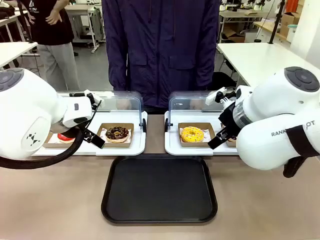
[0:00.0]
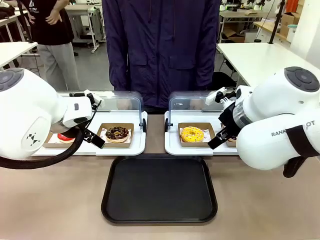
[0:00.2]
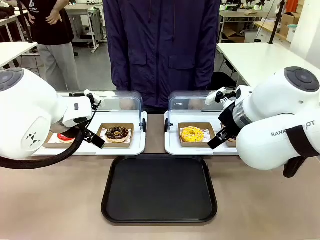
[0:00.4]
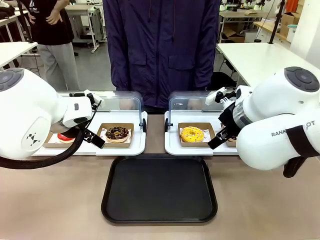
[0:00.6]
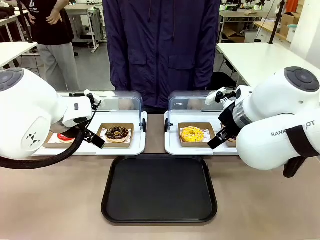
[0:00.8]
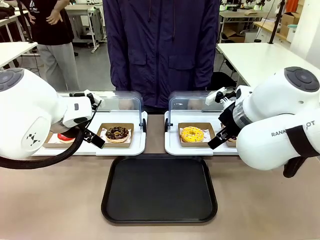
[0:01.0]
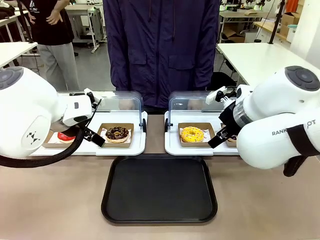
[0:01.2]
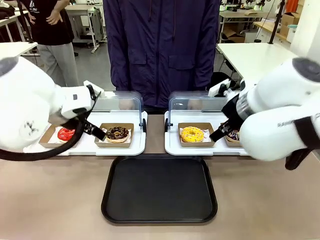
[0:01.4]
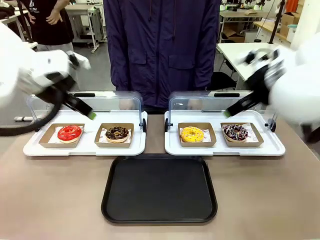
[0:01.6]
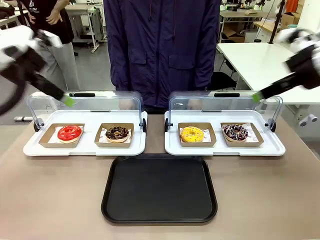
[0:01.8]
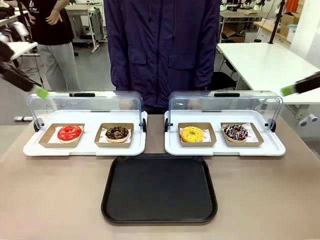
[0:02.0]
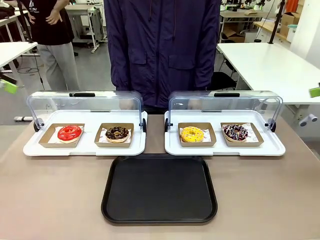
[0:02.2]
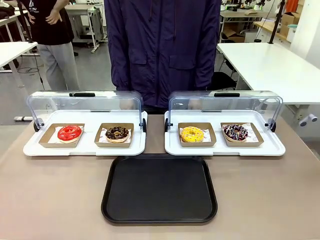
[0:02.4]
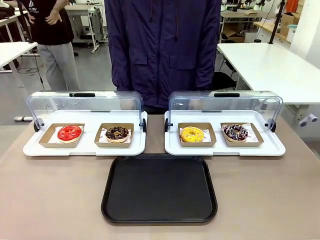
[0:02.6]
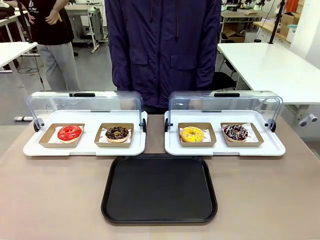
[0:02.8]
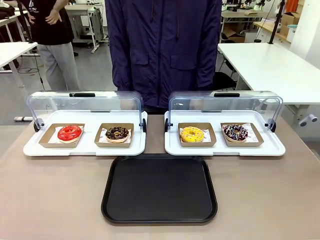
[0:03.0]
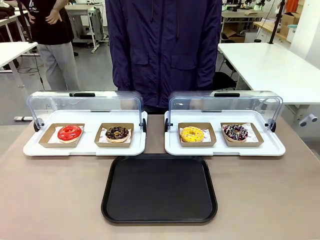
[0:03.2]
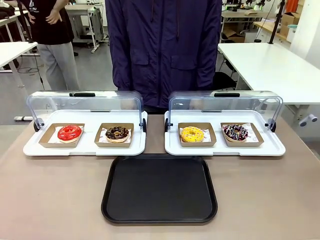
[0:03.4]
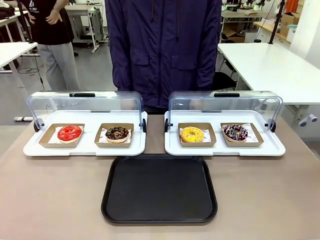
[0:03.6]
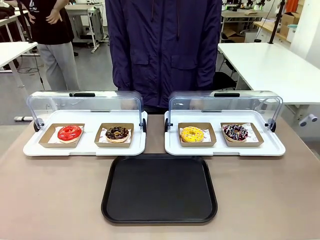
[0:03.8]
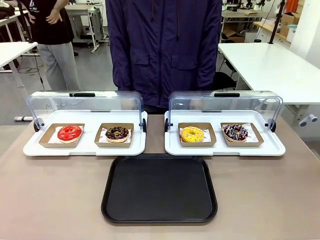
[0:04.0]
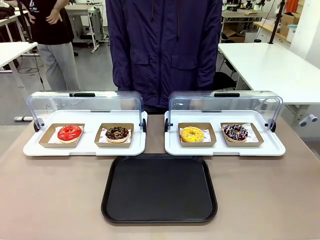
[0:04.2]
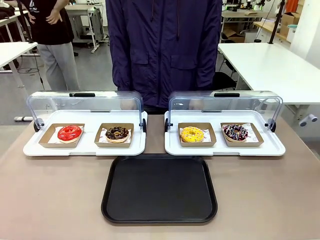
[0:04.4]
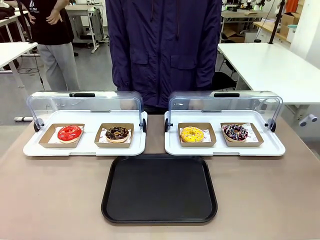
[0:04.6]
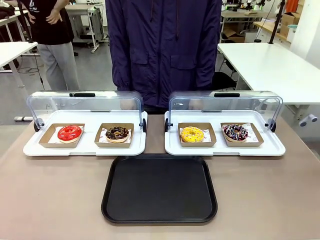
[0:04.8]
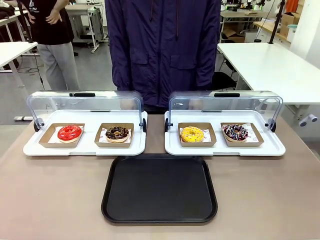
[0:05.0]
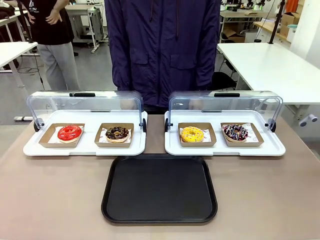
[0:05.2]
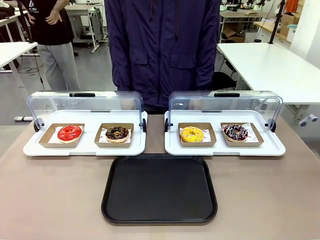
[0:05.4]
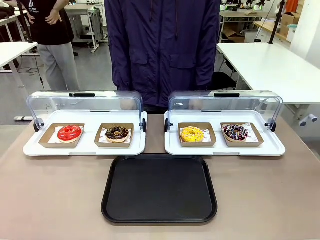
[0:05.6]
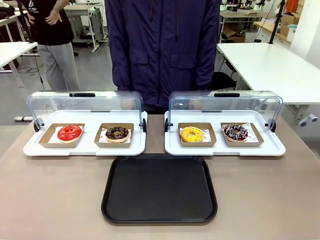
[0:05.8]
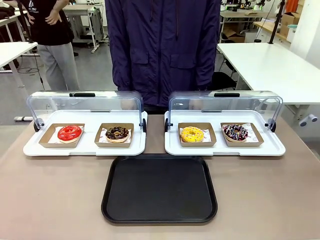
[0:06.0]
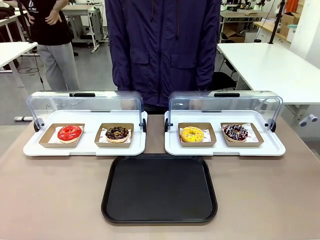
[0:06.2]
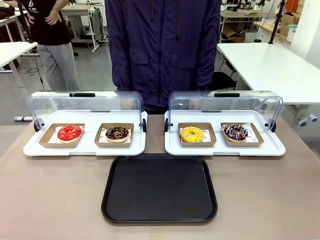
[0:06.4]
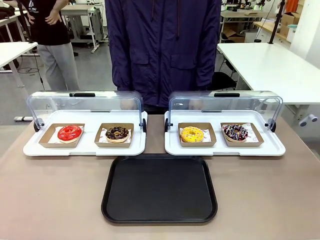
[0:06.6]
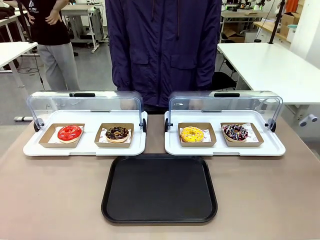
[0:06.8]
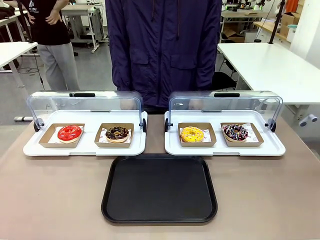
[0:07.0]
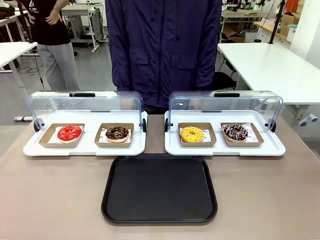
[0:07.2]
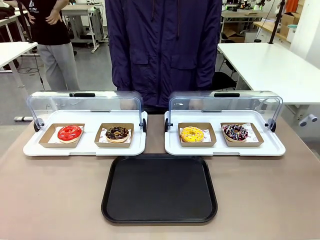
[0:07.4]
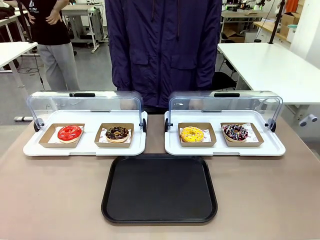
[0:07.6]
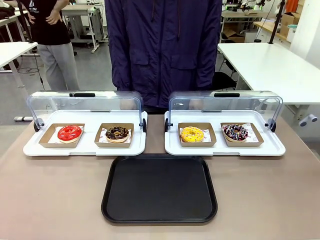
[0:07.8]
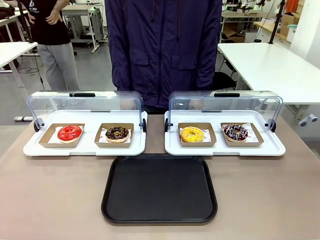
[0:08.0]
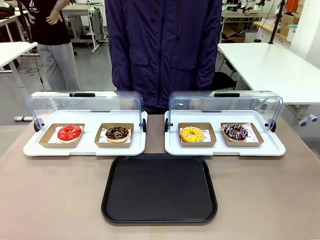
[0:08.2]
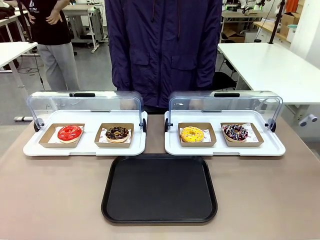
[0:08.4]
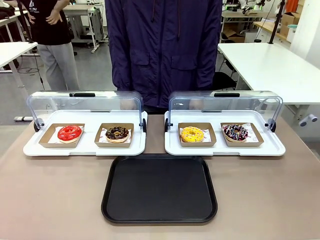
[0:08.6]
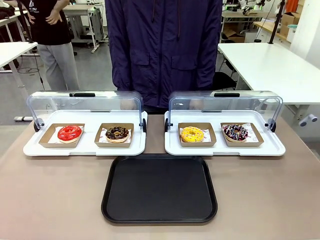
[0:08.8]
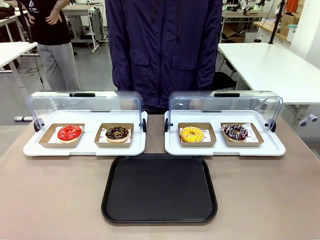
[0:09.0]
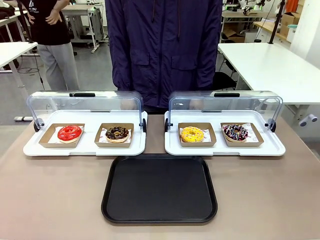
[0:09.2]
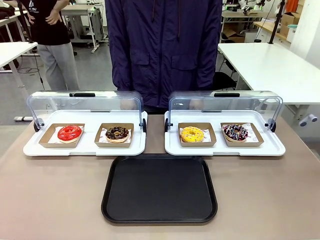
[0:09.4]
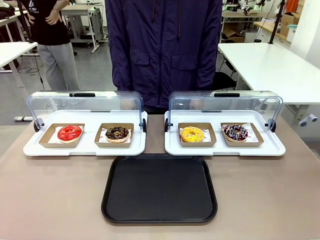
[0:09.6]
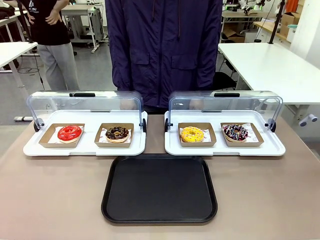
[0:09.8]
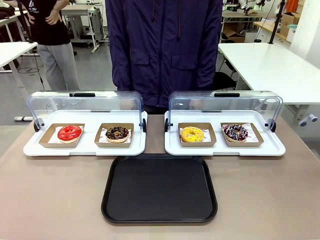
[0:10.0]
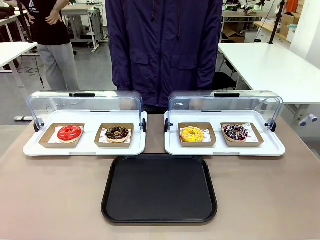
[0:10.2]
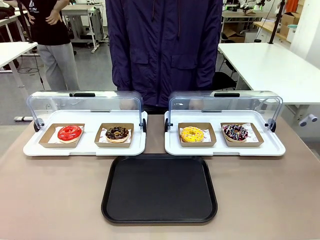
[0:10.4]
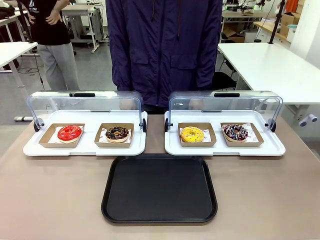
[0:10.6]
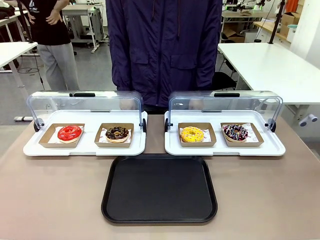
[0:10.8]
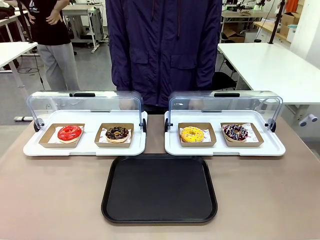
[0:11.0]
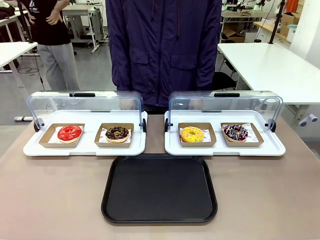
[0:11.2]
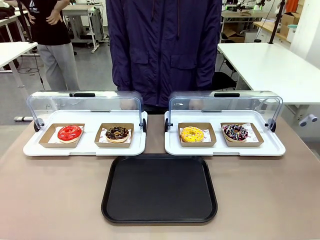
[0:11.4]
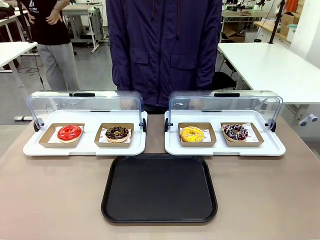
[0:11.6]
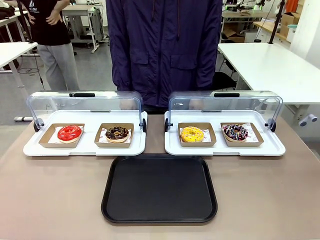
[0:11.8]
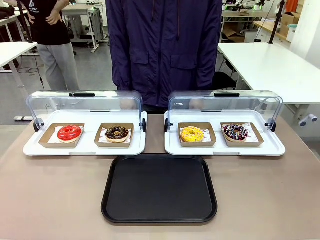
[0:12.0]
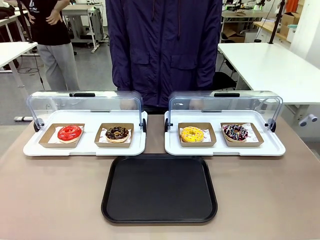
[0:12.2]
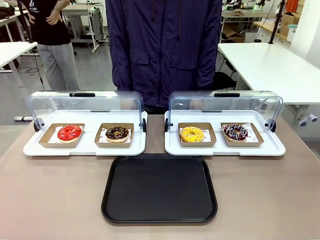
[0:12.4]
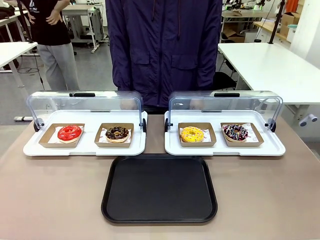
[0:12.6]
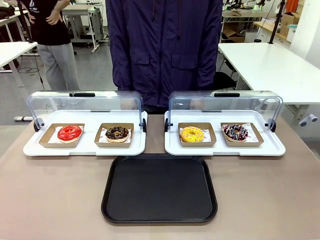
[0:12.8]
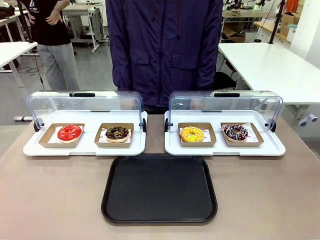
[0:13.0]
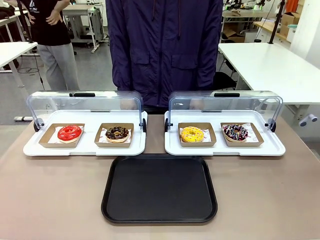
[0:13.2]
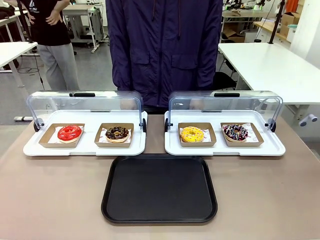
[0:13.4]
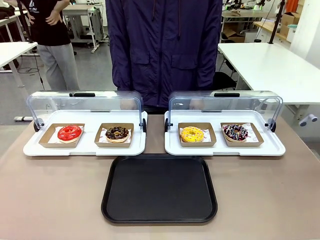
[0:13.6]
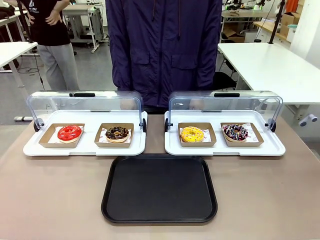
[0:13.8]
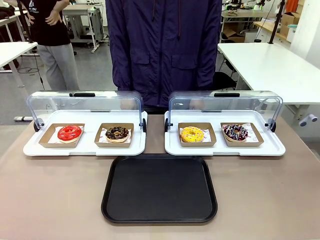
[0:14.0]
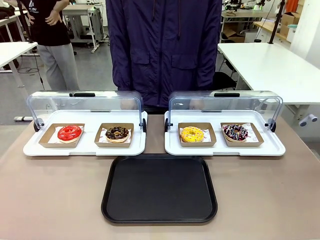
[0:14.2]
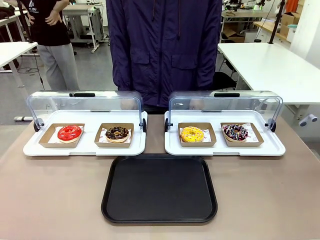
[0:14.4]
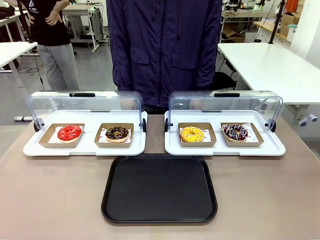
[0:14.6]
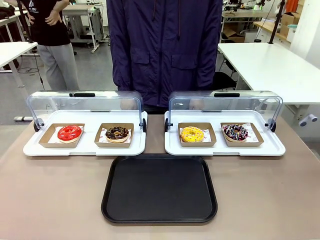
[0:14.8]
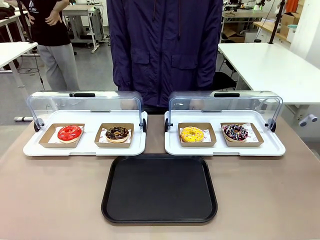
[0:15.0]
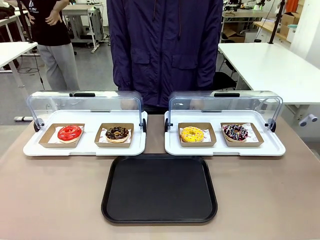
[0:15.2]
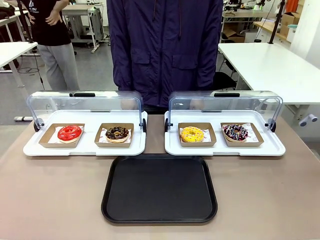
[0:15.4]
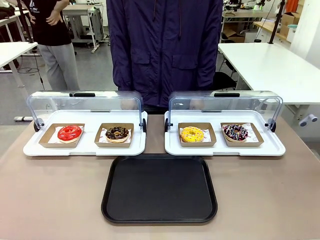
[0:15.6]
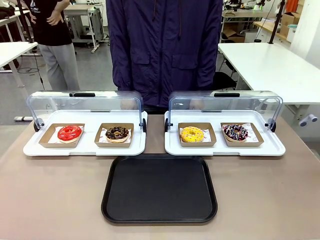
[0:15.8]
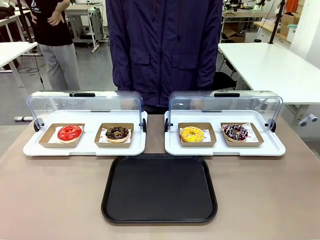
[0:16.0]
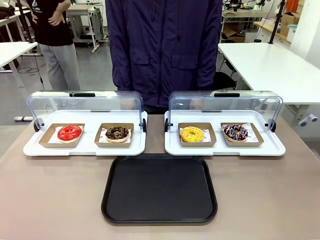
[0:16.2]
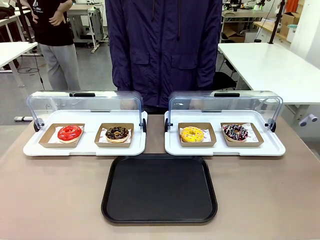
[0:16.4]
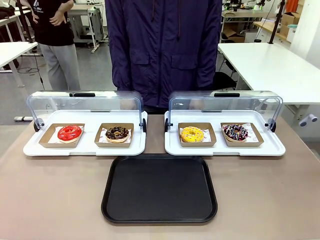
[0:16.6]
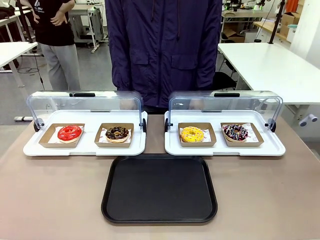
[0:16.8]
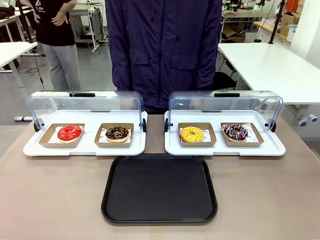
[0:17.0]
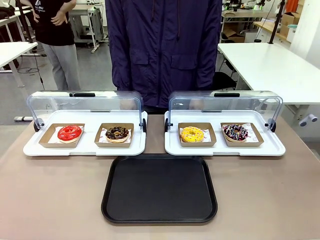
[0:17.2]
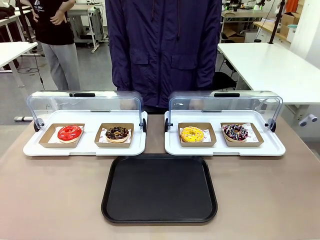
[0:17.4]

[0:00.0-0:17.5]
Task: Move the fourth donut from the left to the tray.
Robot: Pick up the Paper togo box containing the Donut indicated by the person and place it on the Handle tray.
